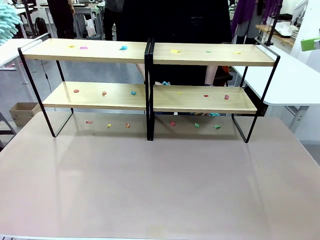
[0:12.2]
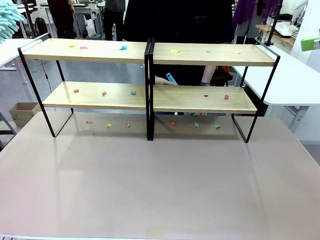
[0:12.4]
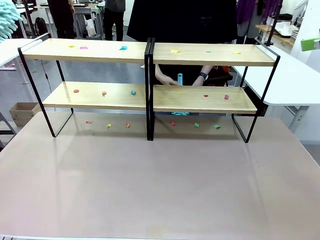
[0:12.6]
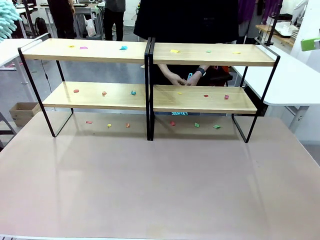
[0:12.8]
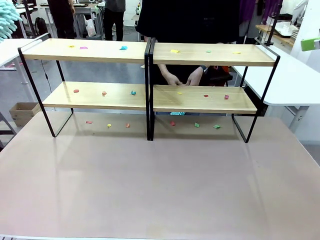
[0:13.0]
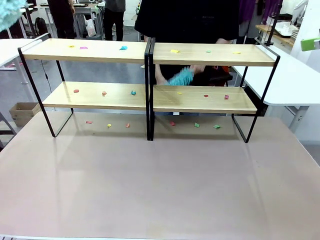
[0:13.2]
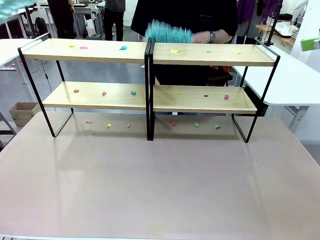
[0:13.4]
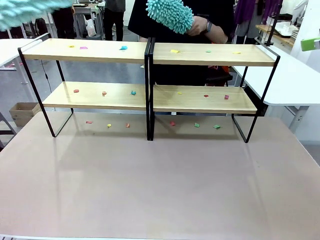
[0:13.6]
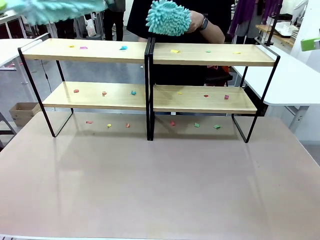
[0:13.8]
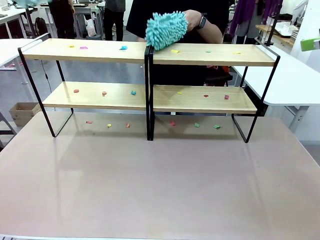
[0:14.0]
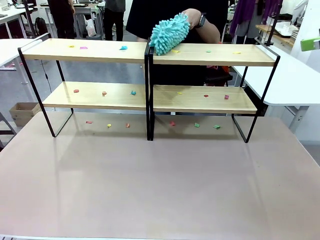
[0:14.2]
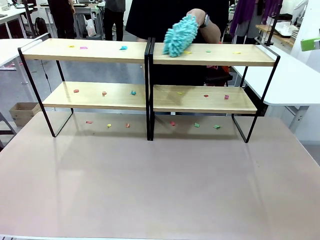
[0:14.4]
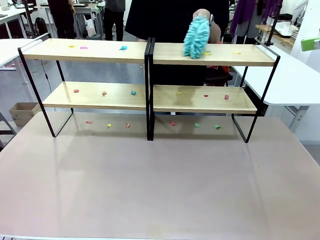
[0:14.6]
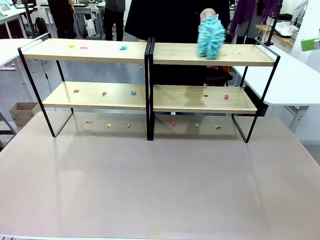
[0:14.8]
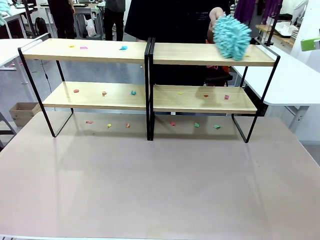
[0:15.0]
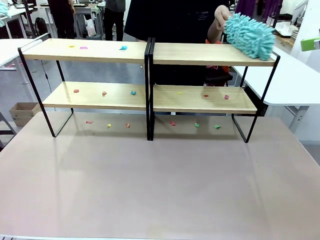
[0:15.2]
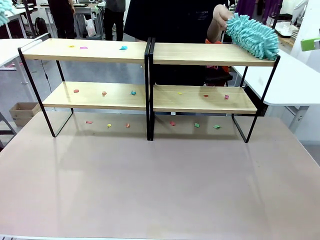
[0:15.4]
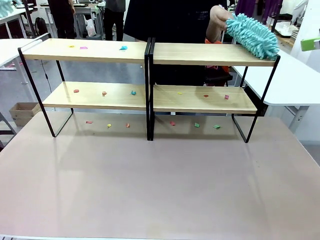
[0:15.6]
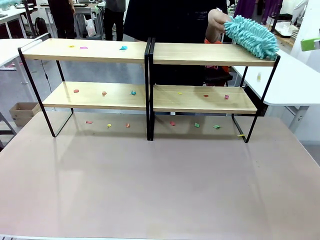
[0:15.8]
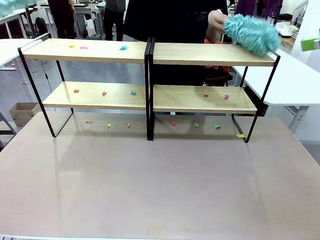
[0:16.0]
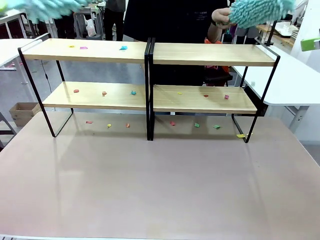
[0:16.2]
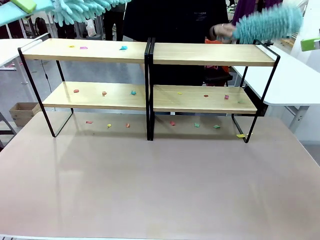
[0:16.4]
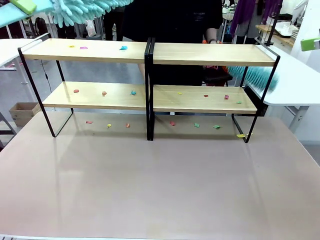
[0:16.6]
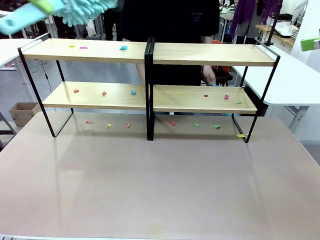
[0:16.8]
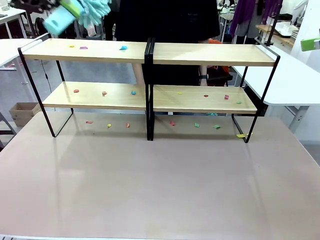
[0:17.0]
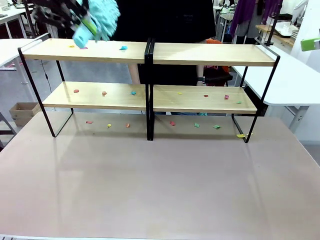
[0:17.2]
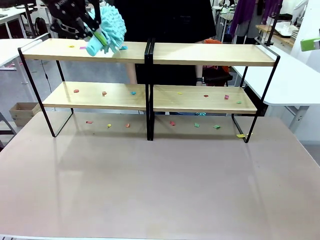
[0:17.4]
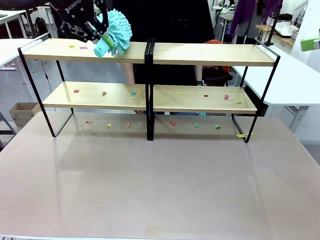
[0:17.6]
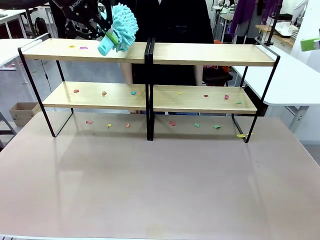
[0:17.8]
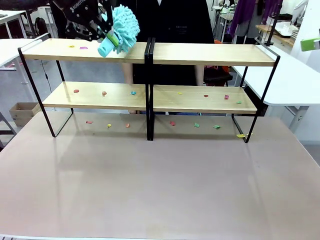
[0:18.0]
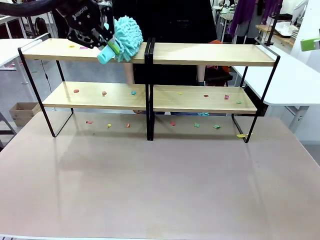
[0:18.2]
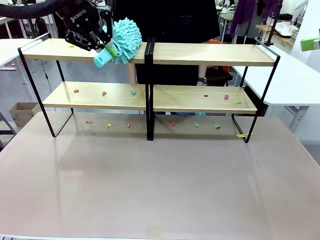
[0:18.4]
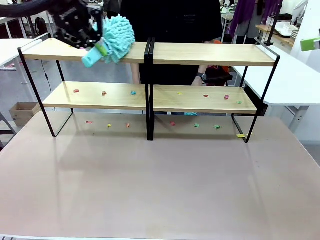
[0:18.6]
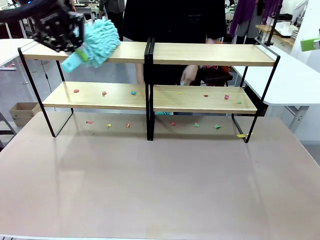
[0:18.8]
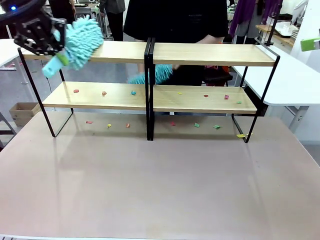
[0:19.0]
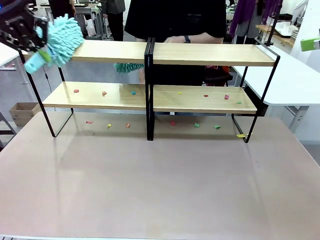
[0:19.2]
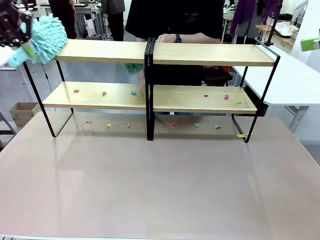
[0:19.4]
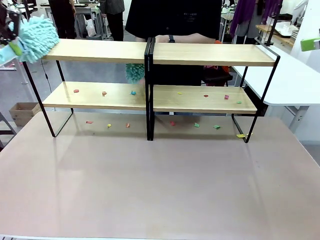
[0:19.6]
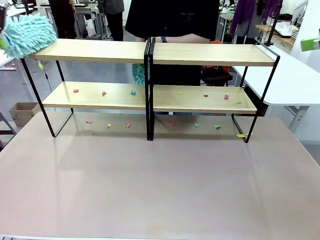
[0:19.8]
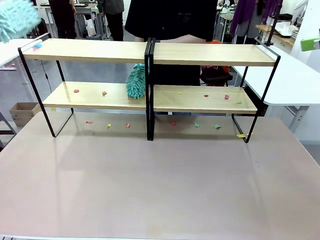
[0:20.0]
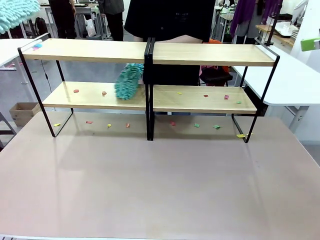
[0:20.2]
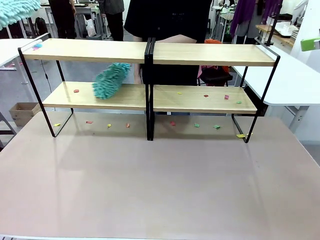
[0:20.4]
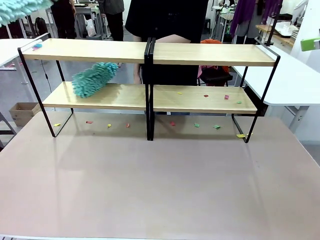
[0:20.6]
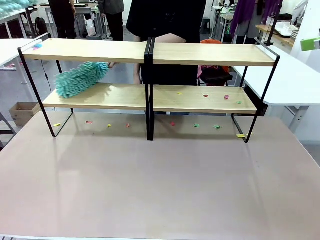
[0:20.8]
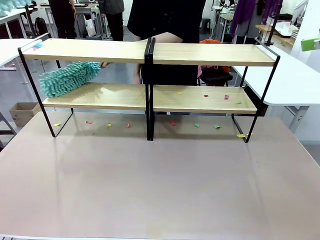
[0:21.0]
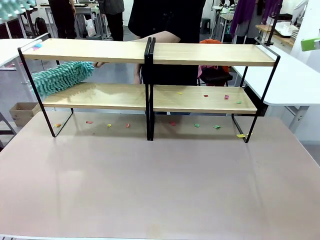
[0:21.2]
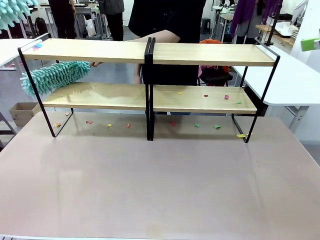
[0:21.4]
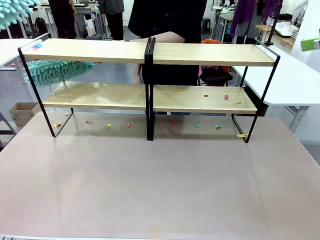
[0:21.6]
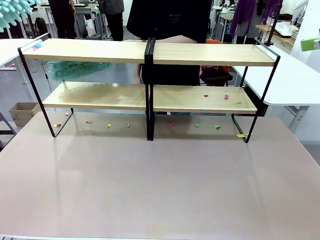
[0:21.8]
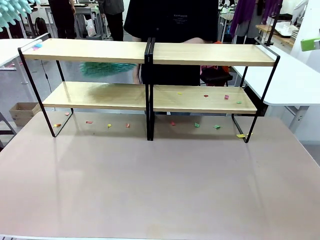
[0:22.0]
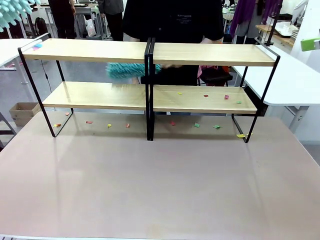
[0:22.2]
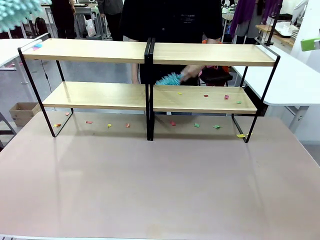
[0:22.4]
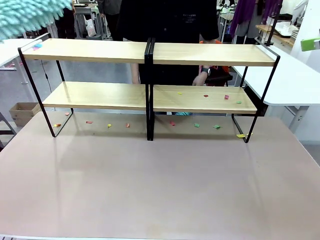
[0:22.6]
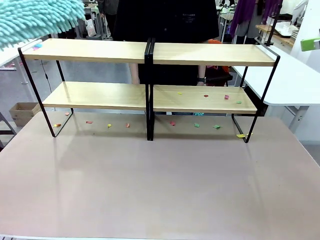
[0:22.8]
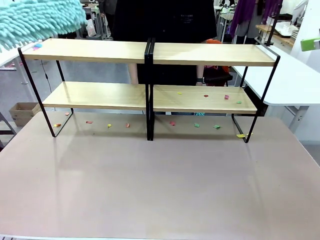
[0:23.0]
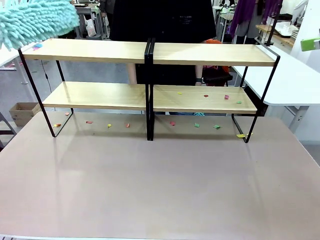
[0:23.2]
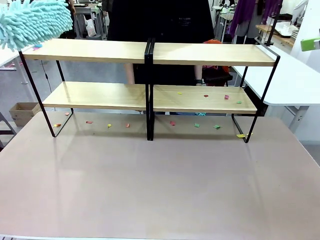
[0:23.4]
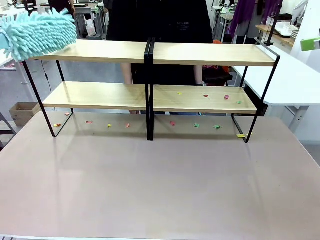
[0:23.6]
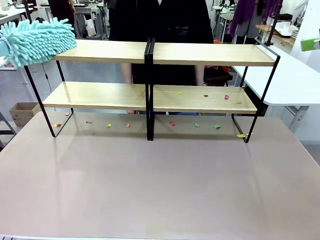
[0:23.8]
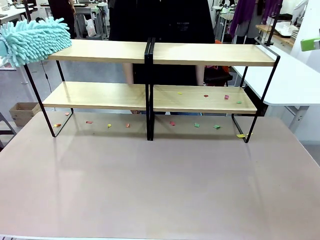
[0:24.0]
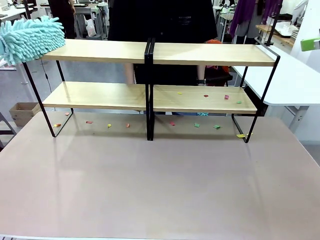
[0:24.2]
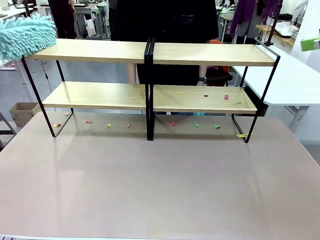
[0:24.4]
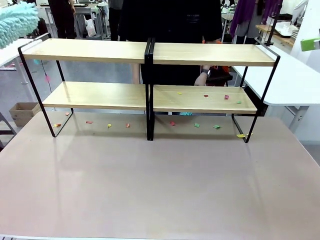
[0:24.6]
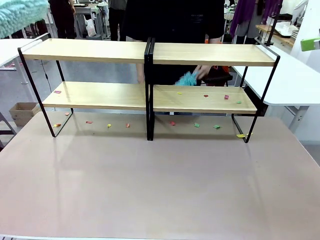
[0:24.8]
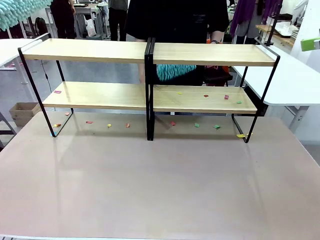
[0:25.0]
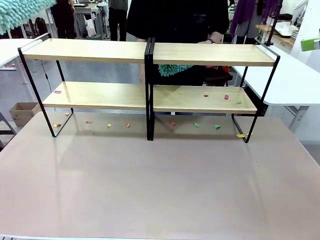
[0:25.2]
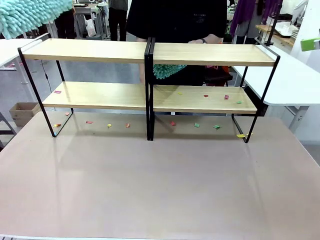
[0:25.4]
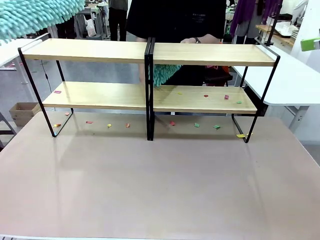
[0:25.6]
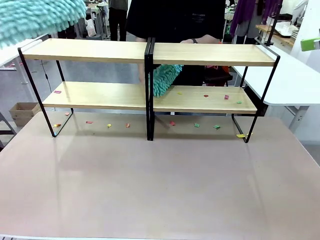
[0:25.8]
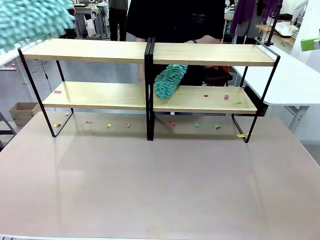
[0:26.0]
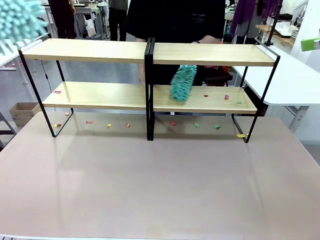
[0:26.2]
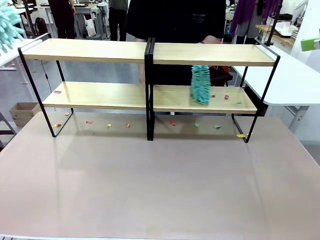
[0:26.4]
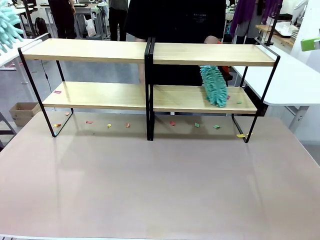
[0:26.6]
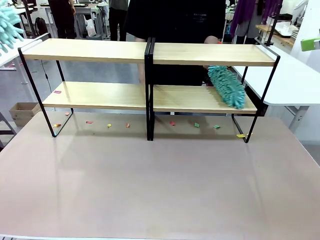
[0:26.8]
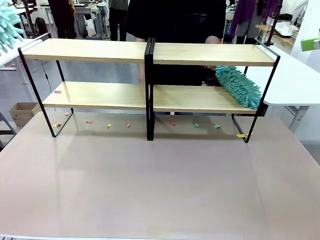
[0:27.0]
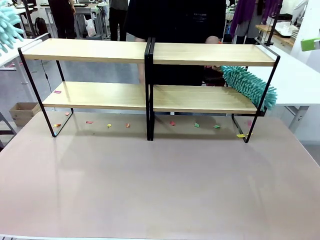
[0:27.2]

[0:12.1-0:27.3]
Task: Clean the shelves.
Robot: Clean a randomly selected level of the Shelf with the Duster.
